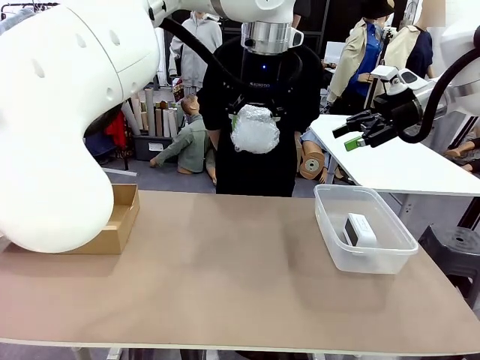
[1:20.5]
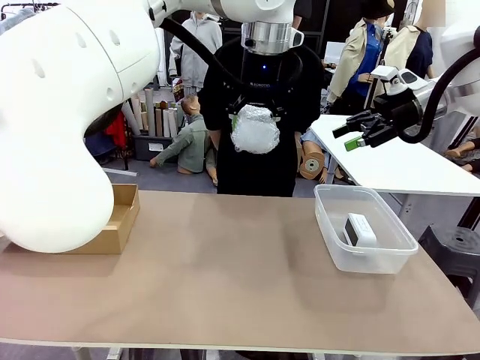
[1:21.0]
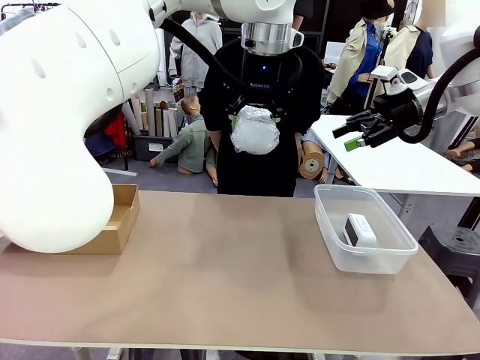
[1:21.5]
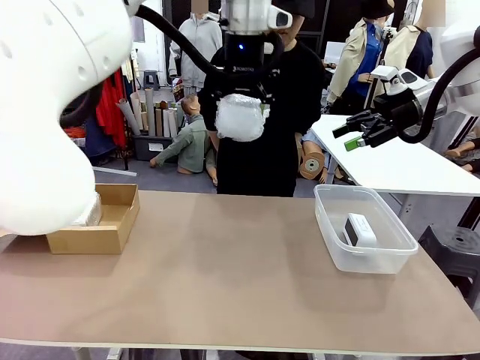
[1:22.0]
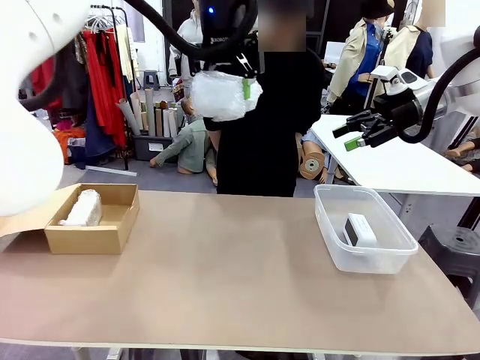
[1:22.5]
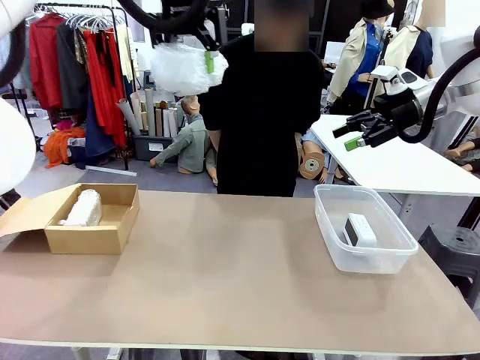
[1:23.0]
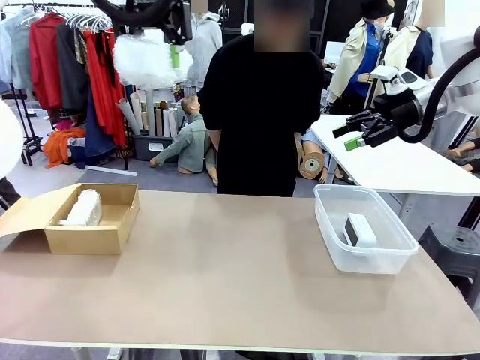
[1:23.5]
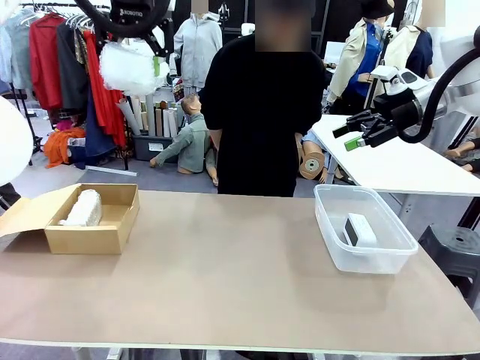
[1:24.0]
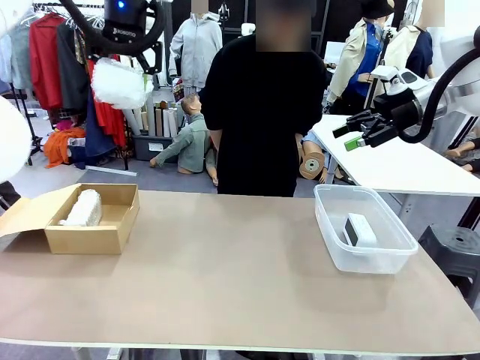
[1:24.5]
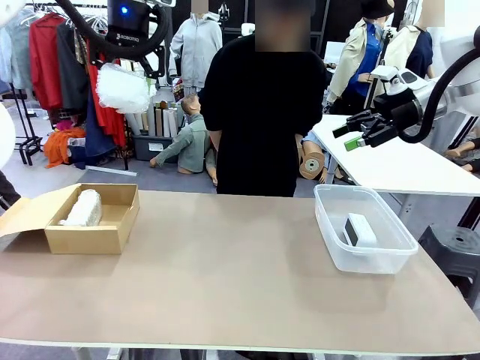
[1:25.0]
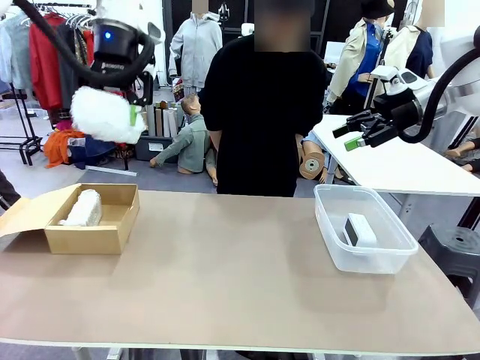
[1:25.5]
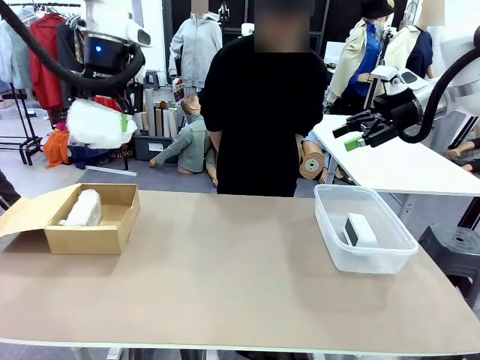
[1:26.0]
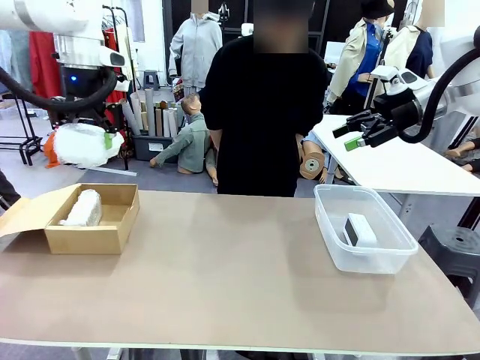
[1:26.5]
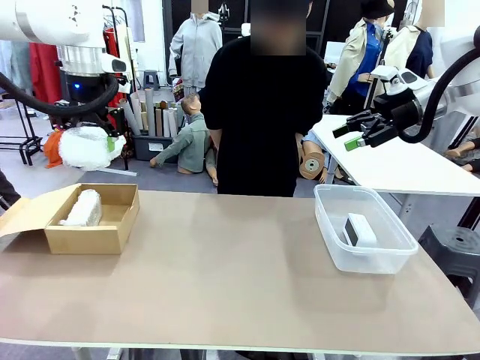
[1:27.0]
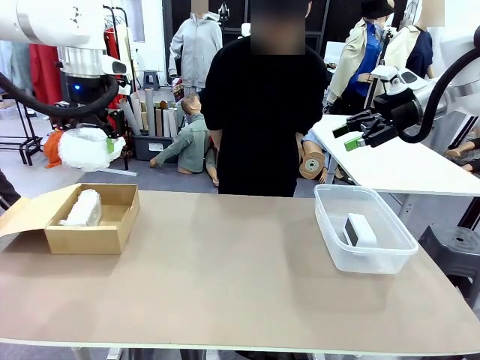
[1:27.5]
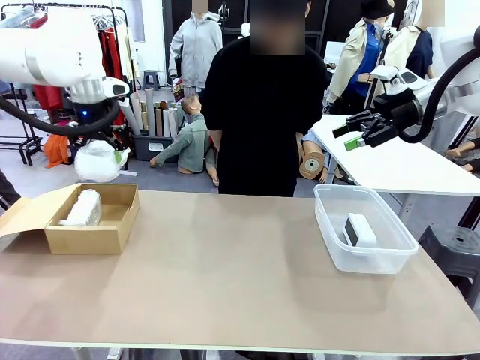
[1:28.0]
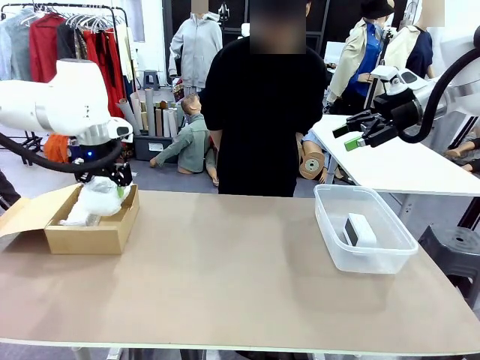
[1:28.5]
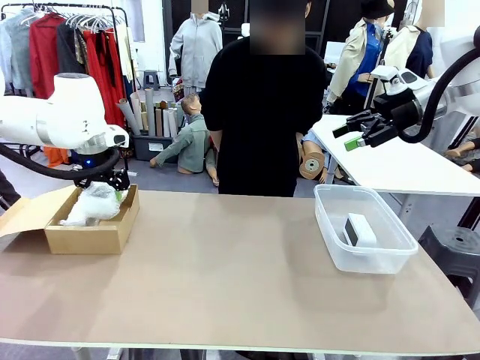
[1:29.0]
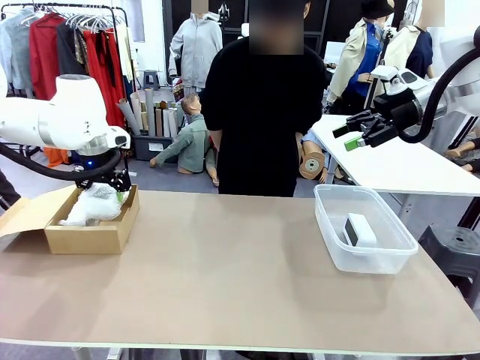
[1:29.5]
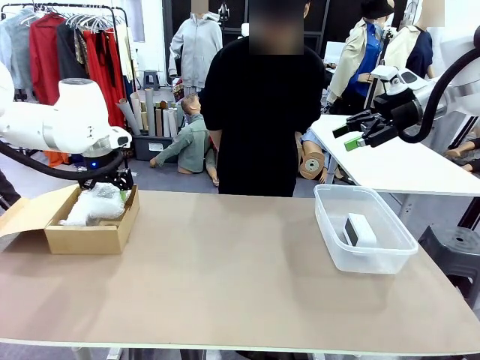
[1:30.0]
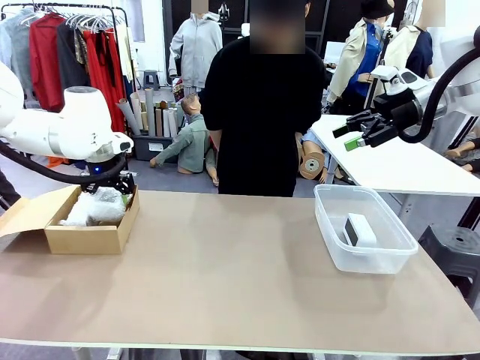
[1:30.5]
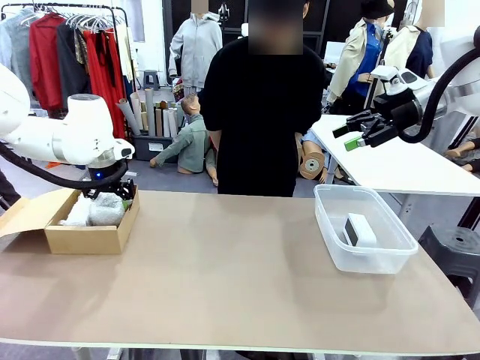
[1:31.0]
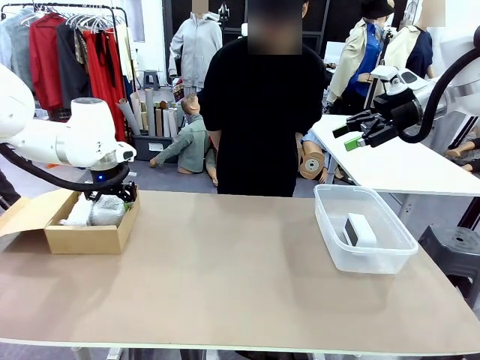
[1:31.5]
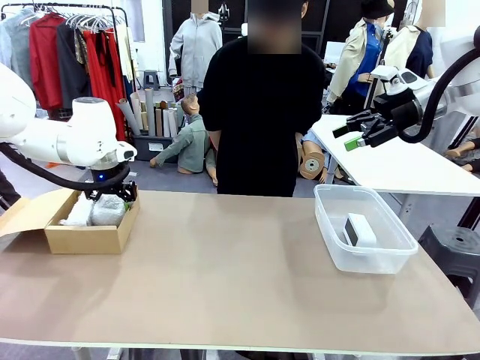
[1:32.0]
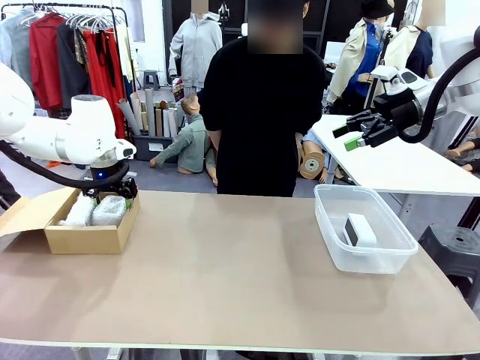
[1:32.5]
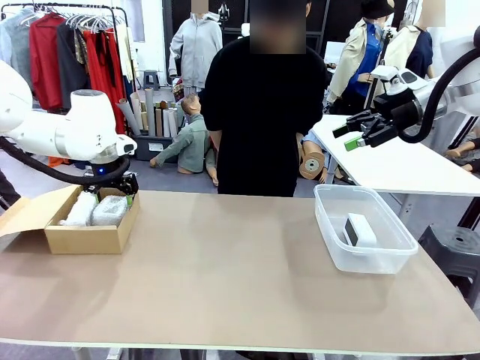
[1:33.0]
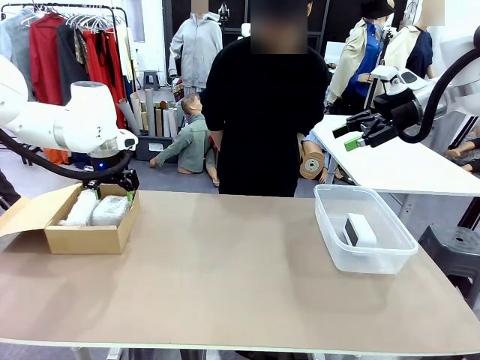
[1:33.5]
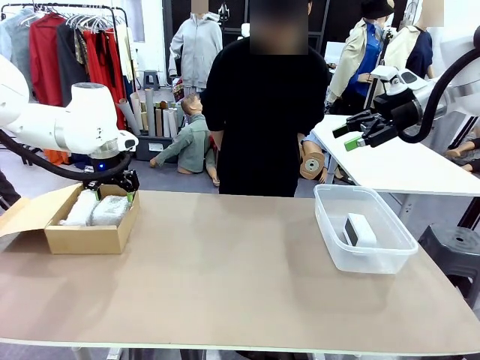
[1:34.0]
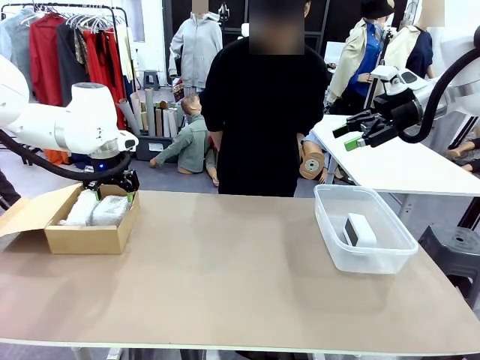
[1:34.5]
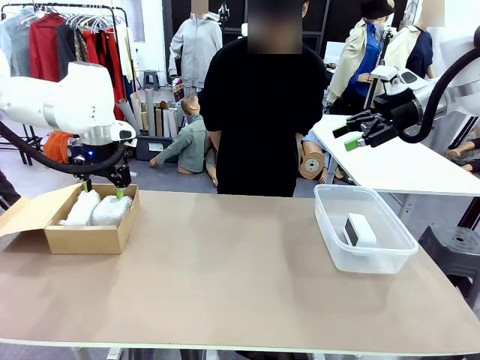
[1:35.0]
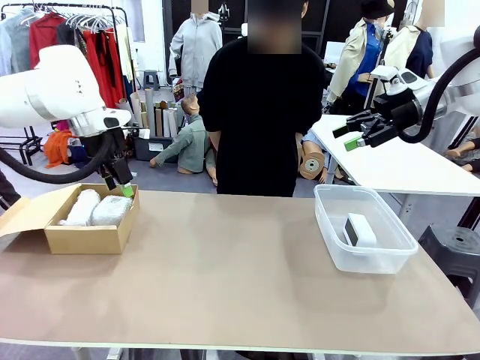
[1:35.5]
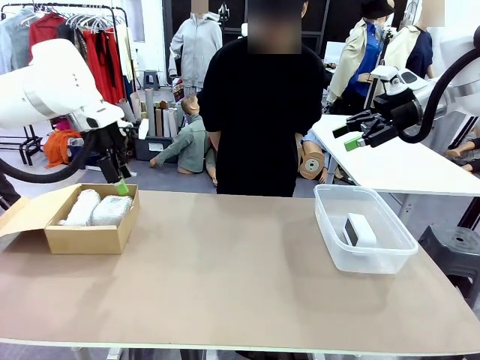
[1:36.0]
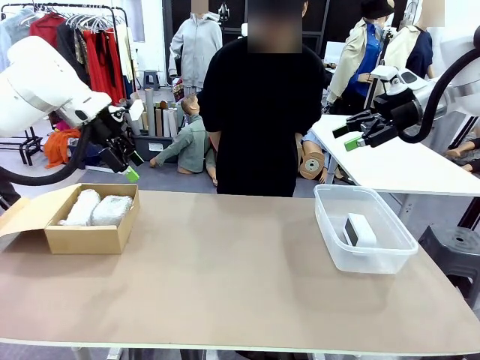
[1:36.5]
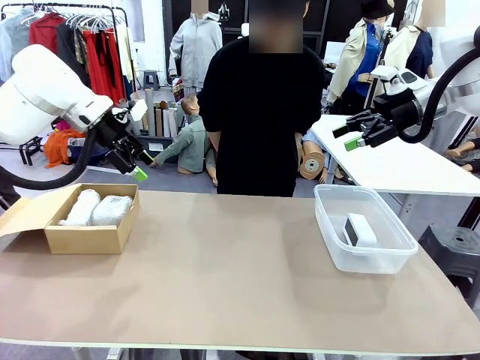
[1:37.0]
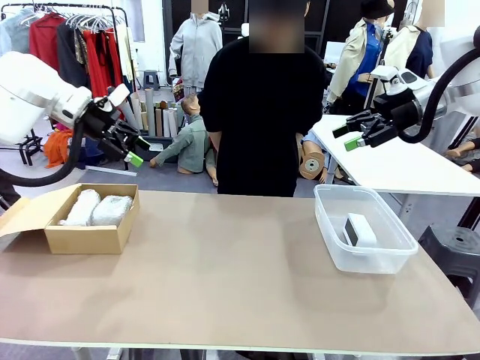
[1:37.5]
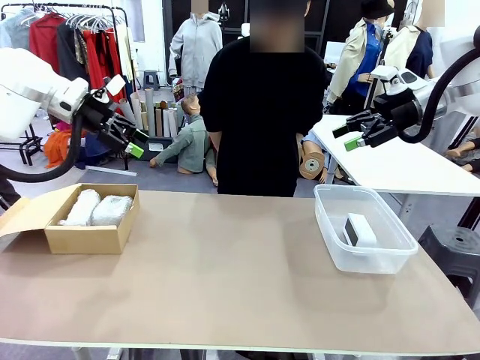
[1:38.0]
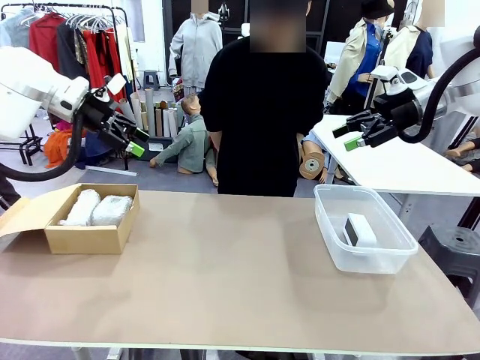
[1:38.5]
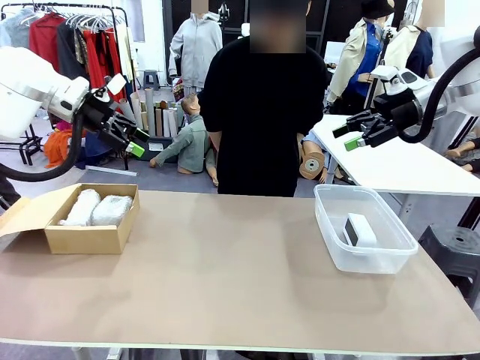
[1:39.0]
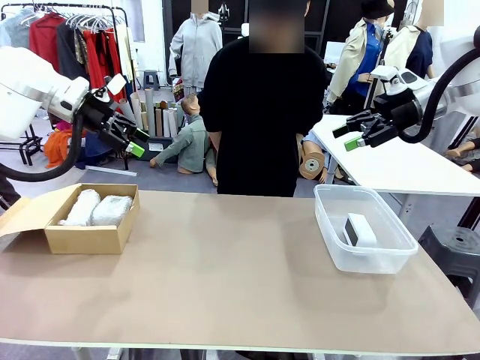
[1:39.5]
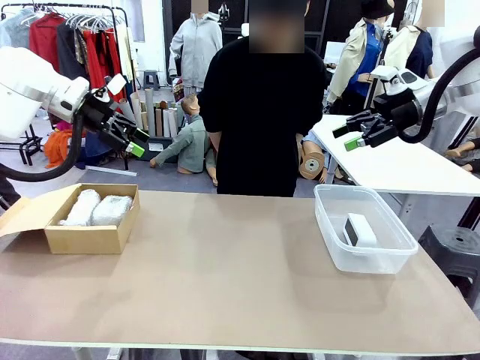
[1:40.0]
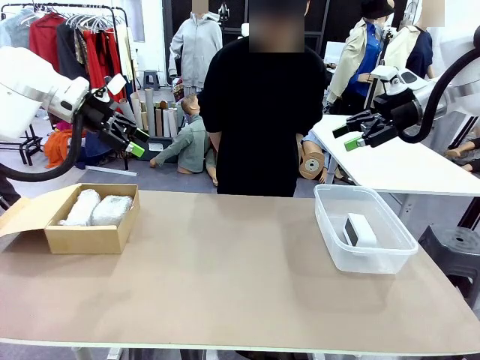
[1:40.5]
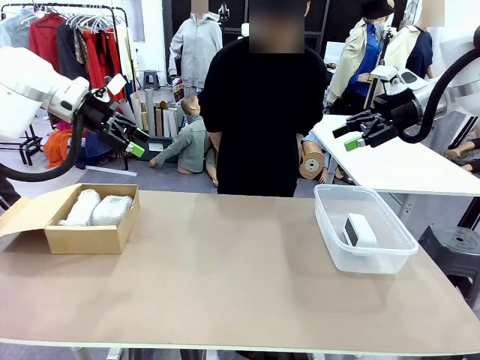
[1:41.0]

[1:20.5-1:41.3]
Task: Separate and place wrapped and unwrapped clocks.
Robot: If the picked Digital clock is wrapped, place it in the Package Box ; if not, place it in the Organizing box.

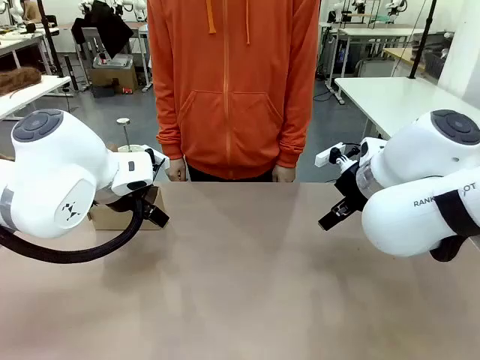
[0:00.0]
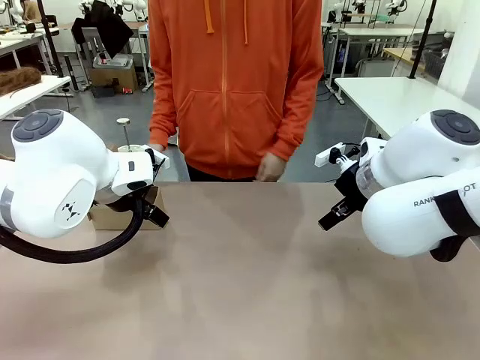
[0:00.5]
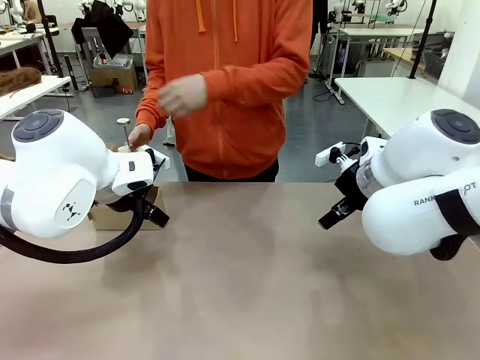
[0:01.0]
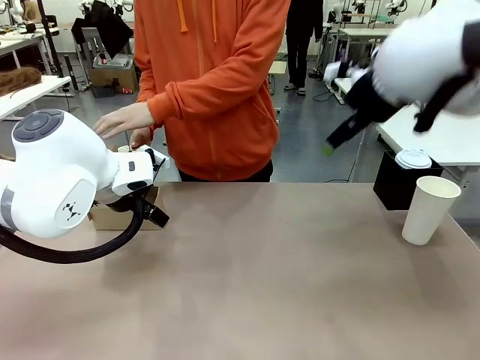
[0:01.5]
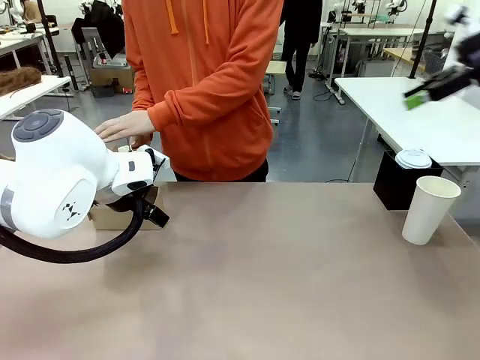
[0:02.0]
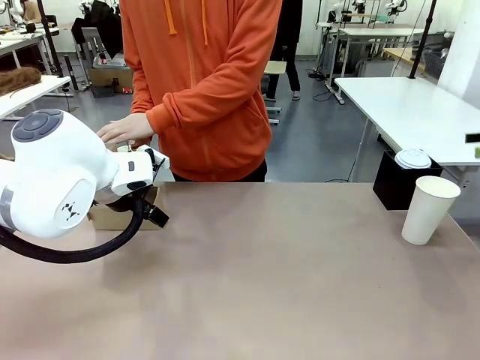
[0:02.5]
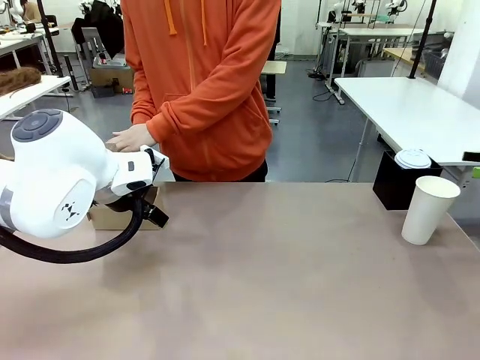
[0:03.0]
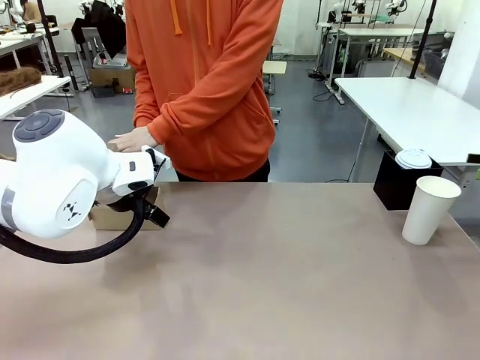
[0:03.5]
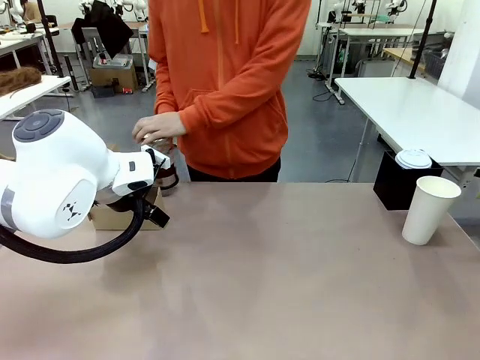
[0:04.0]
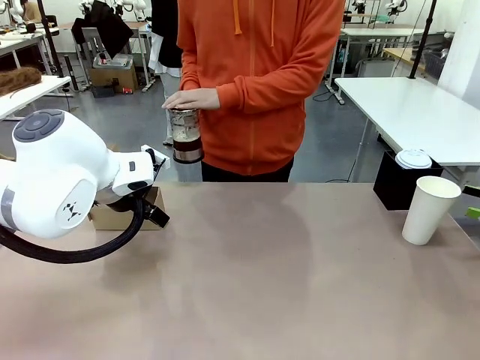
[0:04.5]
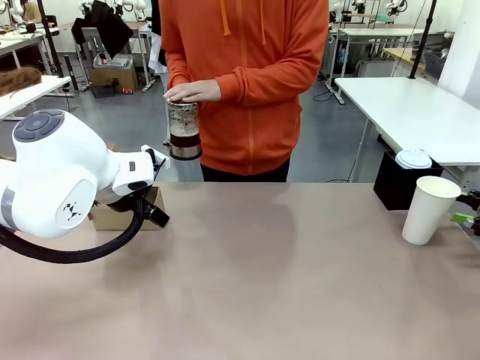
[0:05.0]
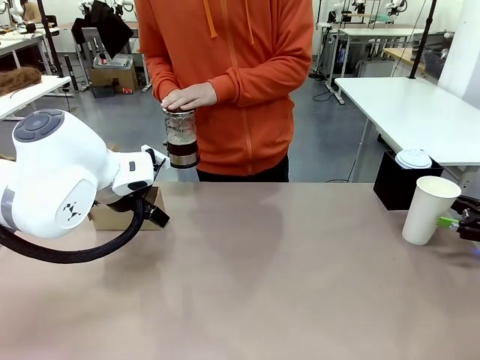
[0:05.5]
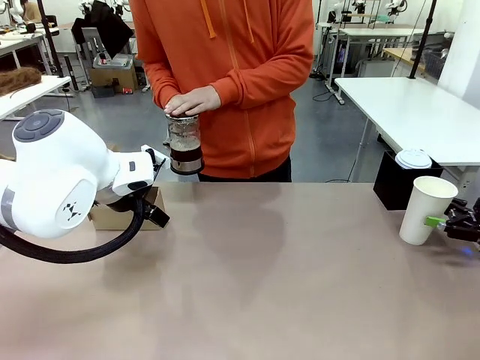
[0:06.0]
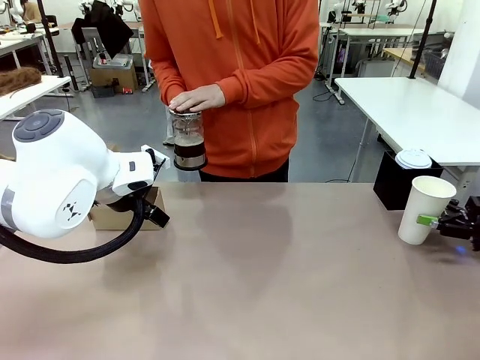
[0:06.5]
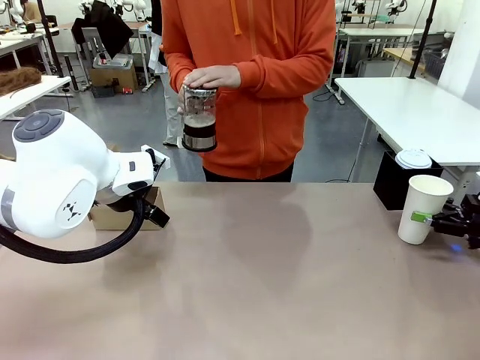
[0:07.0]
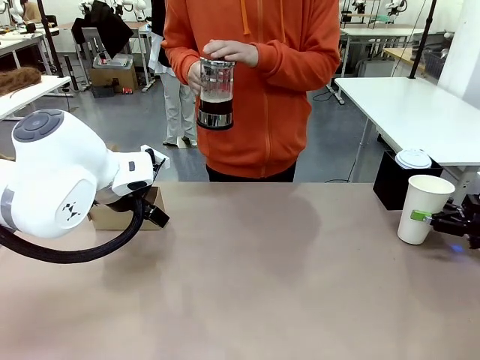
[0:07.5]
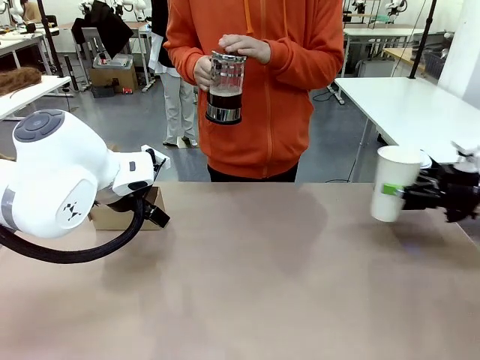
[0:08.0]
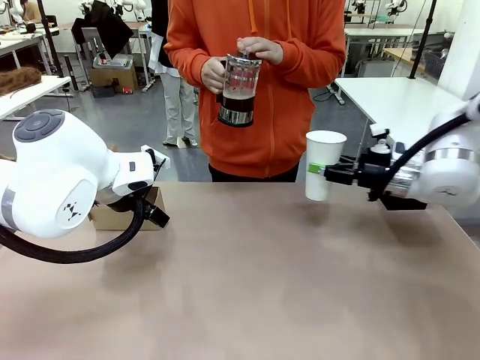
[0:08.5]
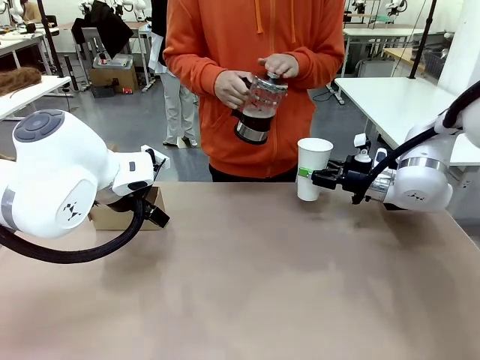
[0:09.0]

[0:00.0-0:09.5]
Task: Pour a drink into a cup and package it in a carrier.
Robot: Pick up the 600 ml Paper Cup and place it in the middle top area of the table.
Person: Press and pick up the Filter Brewing.
